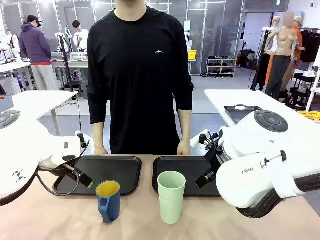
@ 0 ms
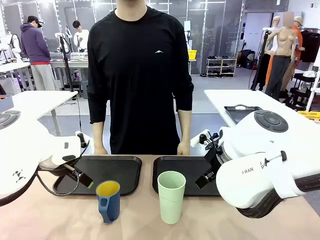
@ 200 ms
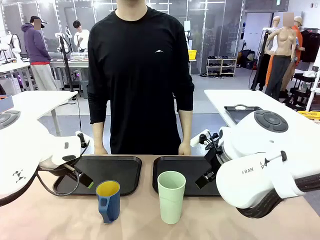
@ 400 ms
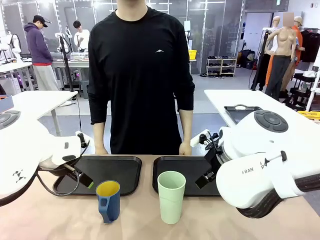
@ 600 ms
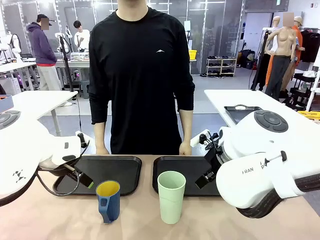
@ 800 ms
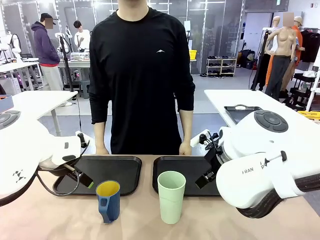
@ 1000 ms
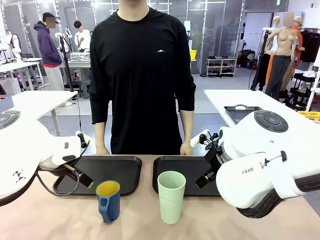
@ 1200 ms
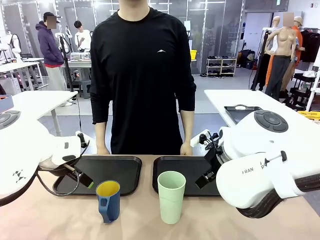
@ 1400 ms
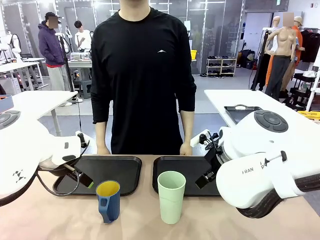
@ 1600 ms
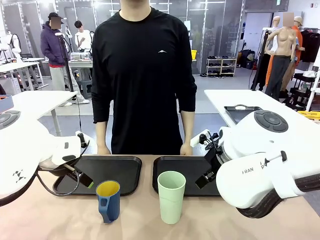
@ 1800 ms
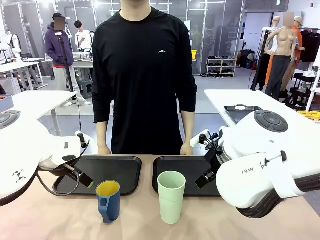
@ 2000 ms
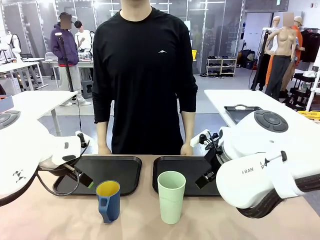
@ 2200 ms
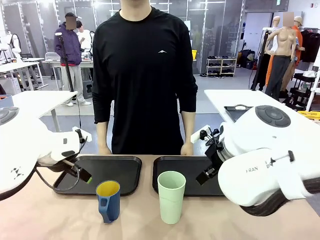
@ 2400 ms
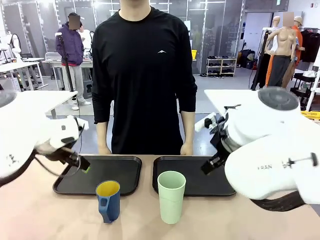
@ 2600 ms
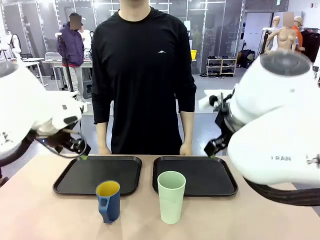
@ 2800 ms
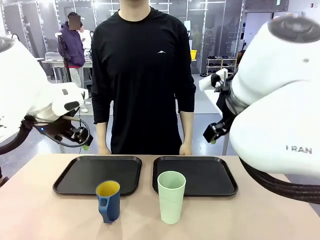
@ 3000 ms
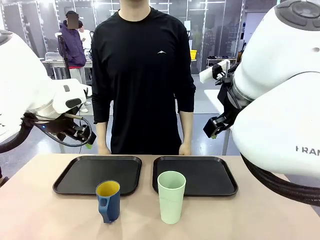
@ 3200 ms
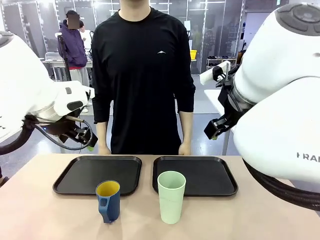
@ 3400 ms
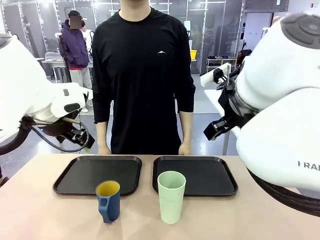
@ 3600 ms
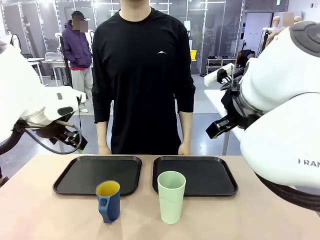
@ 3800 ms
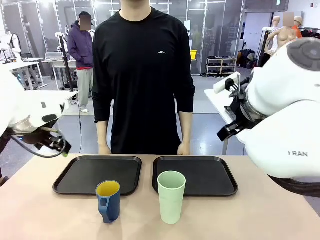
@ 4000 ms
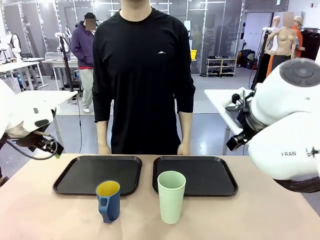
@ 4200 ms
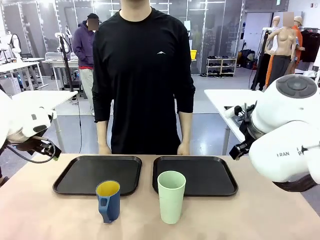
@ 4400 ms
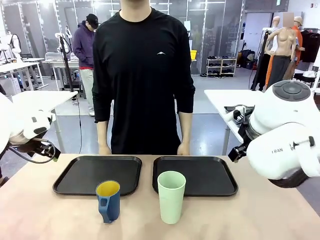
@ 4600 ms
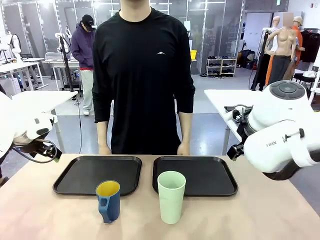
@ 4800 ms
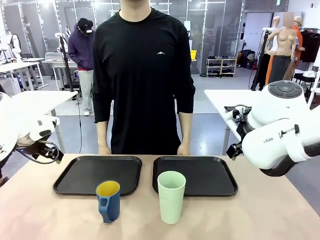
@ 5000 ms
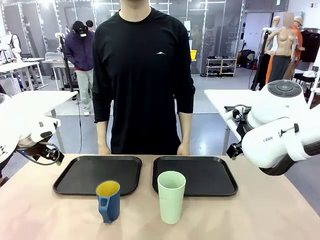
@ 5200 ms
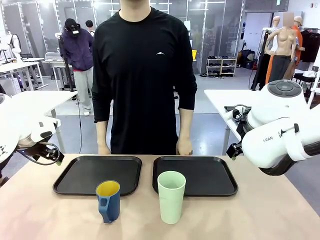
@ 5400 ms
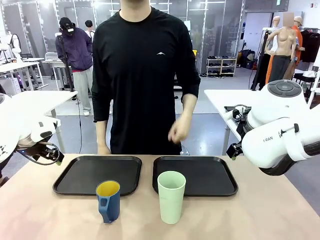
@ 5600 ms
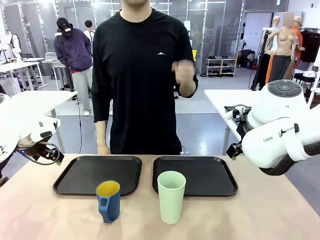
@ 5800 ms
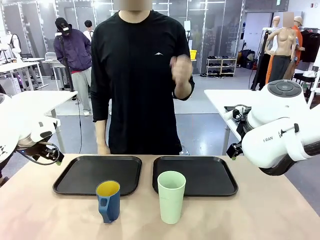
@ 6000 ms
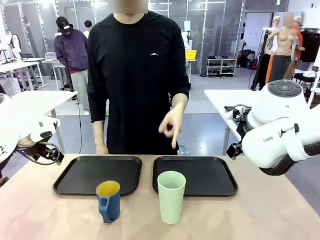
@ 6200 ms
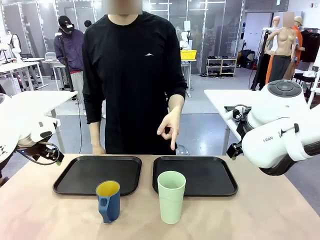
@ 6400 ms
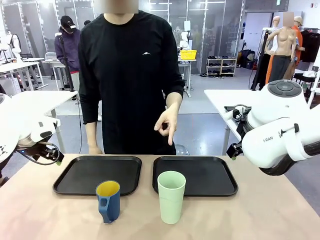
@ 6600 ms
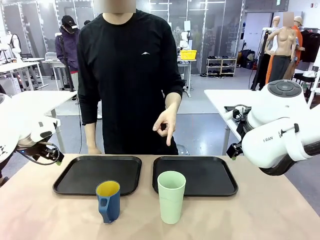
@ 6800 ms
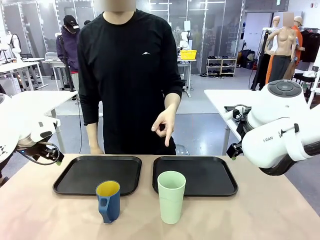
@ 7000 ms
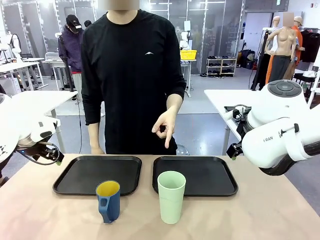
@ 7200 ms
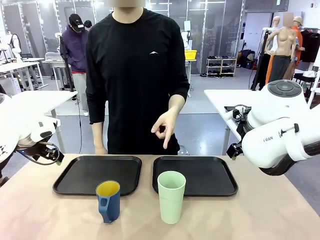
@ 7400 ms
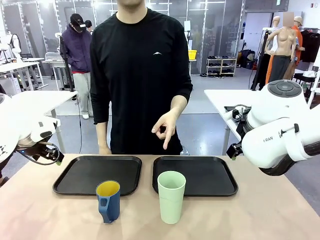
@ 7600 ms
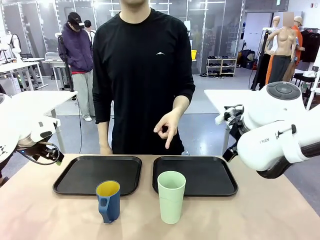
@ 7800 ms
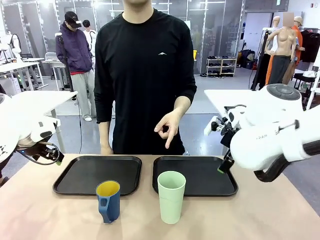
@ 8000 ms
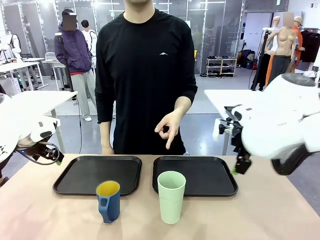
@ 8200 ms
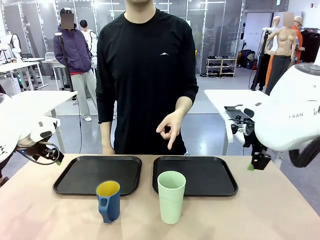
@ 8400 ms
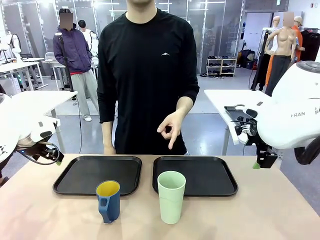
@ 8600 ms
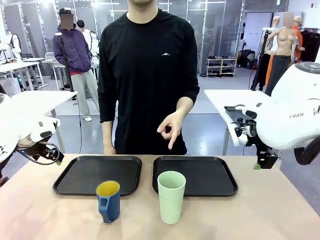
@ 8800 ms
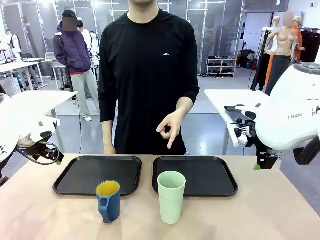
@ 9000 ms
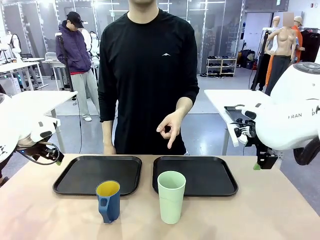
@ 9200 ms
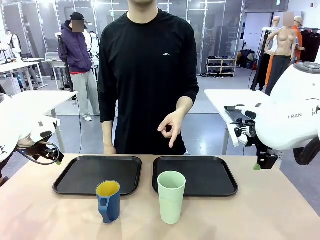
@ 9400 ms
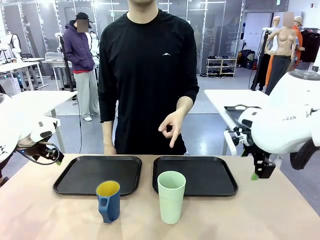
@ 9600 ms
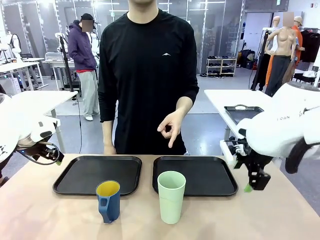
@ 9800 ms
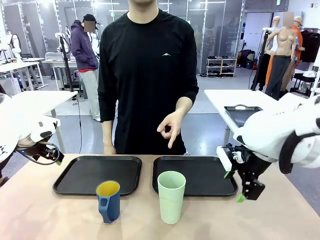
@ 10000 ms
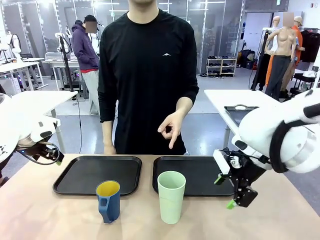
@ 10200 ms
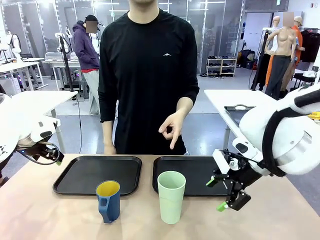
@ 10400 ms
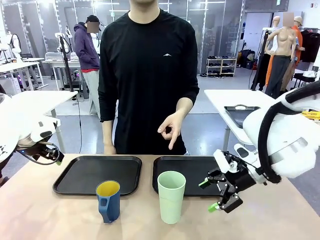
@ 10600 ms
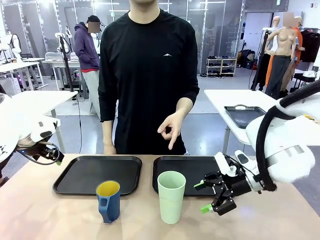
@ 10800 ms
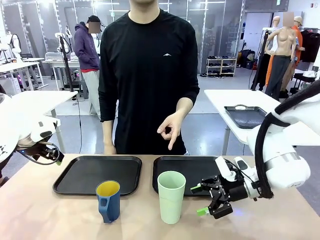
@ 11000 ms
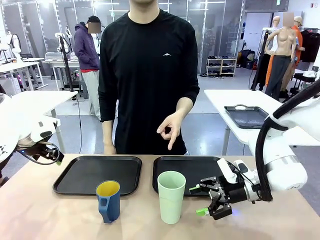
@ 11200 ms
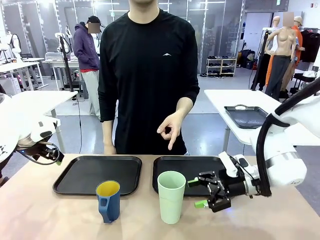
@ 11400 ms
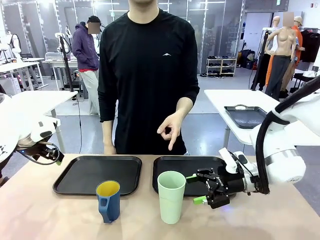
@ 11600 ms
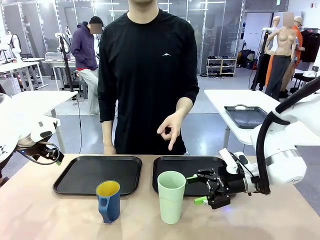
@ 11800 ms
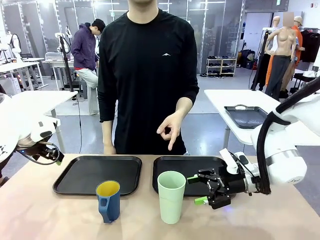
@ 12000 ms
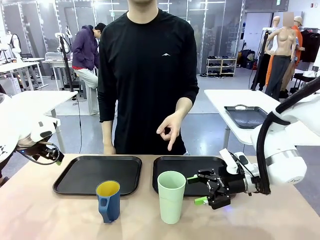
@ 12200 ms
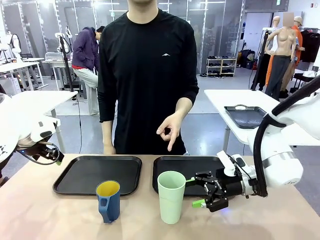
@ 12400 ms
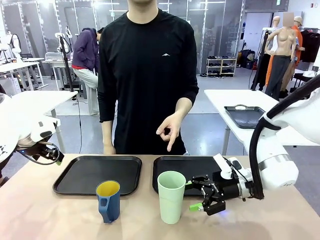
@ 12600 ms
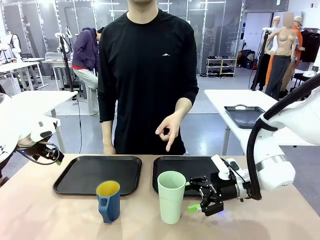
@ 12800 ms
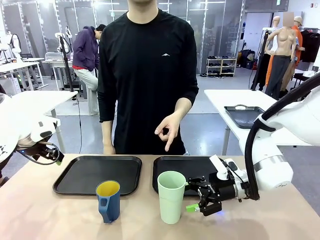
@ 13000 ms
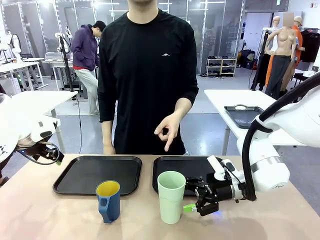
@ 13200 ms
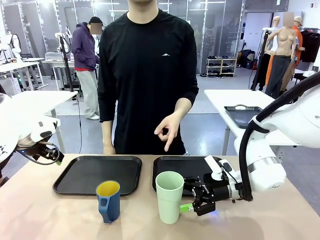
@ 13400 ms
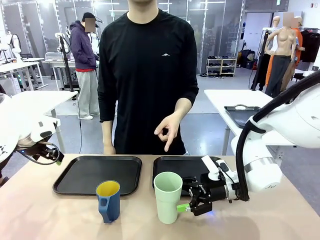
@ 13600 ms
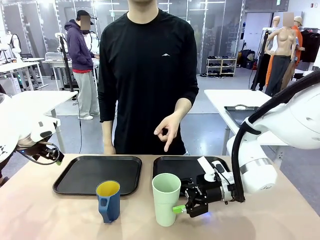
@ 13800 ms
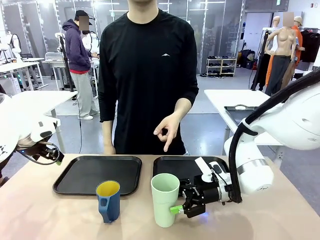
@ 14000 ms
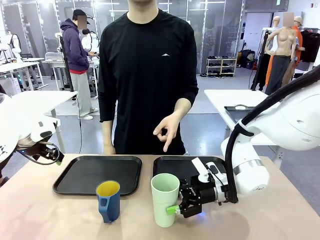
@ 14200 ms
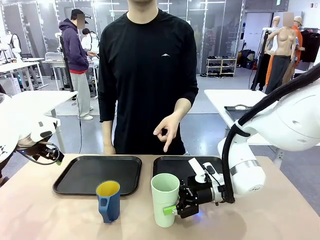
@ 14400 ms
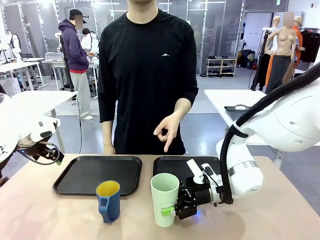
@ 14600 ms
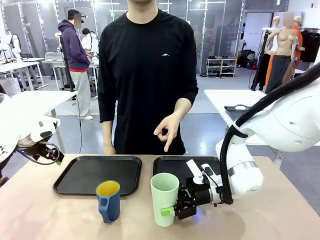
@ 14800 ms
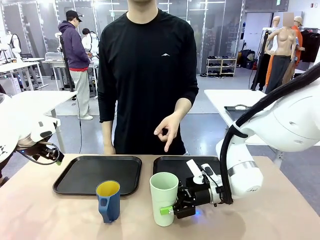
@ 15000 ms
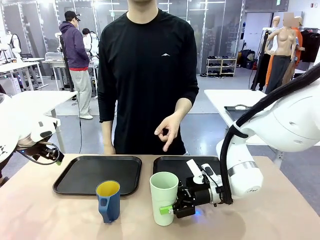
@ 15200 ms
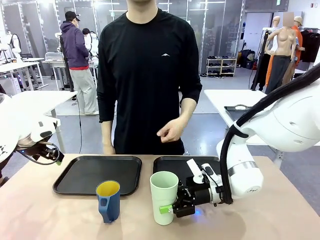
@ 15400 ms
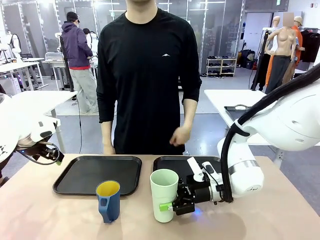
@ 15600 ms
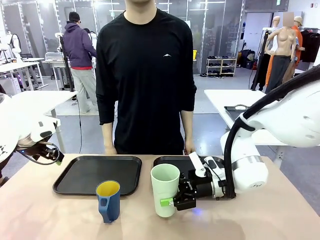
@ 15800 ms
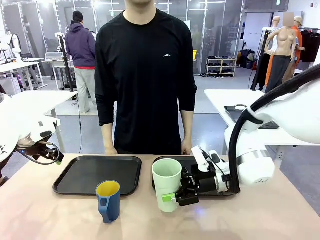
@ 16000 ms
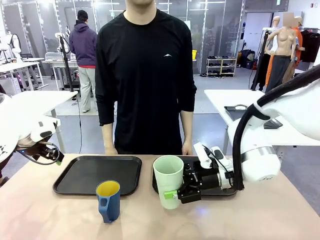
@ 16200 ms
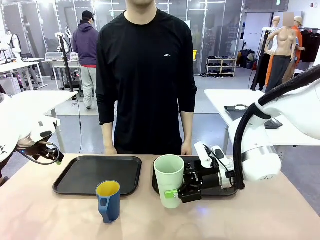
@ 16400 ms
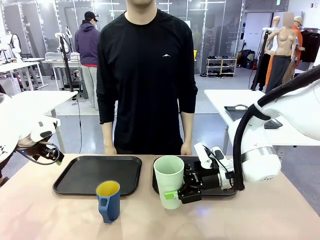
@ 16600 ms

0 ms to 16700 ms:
Task: Sort and store the cups by type.
Robot: Pick up the Reusable plastic cup.
Person: Points to the reusable cup. Point to one of the two trays.
